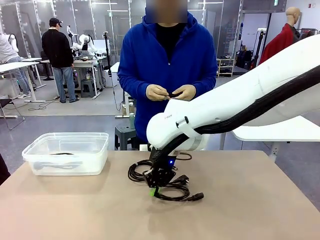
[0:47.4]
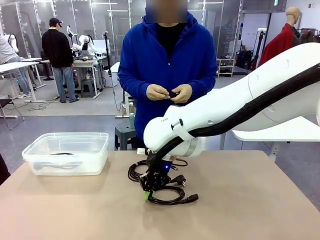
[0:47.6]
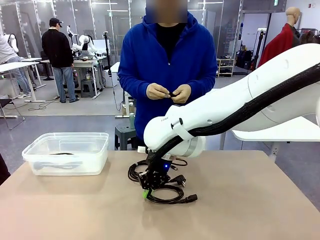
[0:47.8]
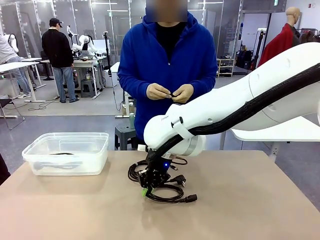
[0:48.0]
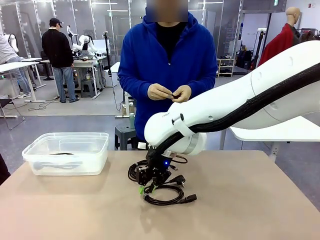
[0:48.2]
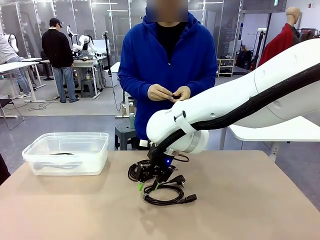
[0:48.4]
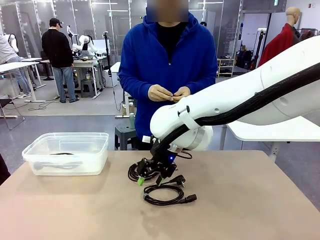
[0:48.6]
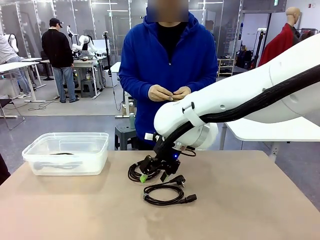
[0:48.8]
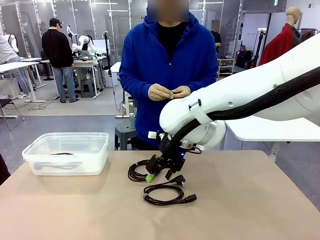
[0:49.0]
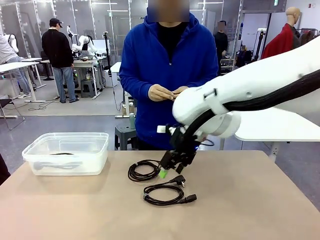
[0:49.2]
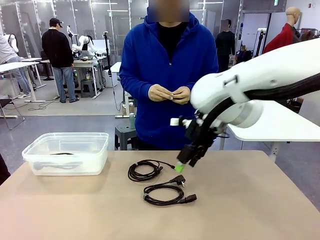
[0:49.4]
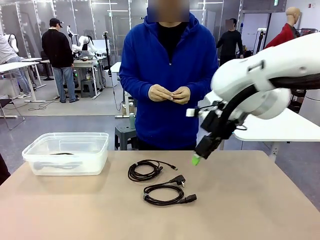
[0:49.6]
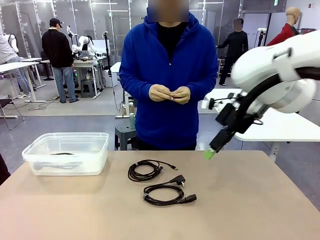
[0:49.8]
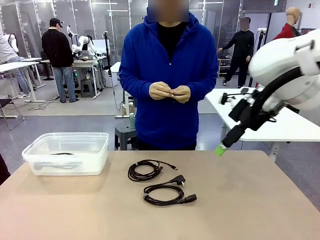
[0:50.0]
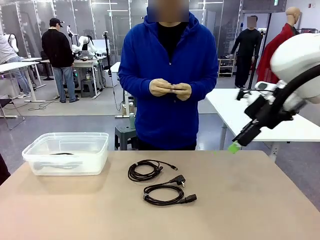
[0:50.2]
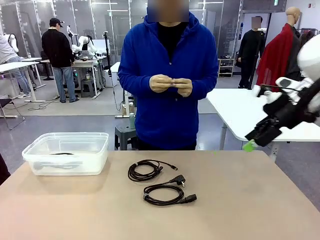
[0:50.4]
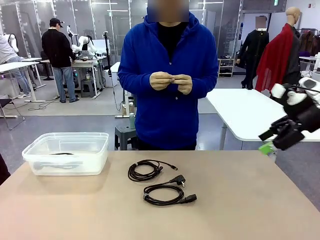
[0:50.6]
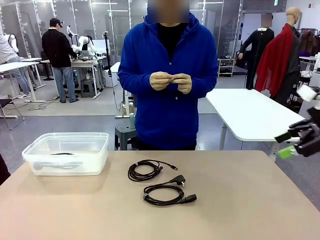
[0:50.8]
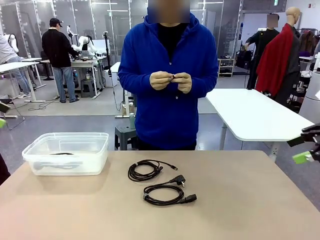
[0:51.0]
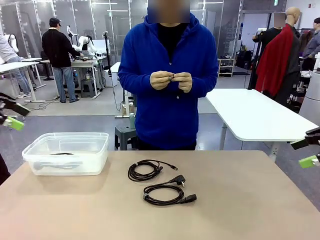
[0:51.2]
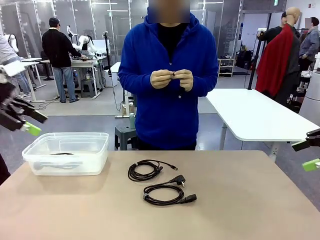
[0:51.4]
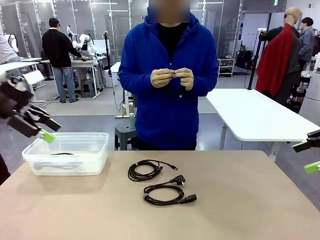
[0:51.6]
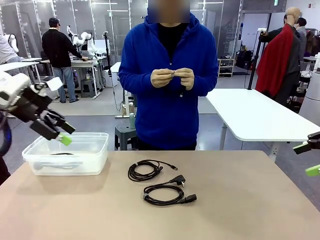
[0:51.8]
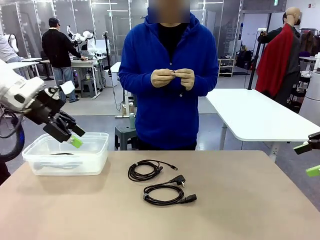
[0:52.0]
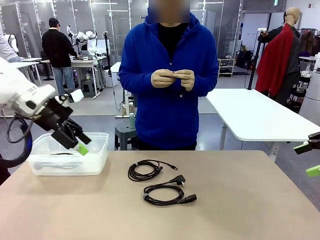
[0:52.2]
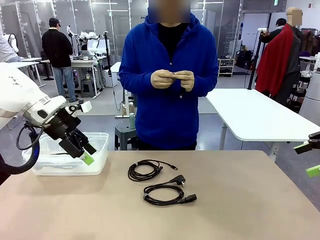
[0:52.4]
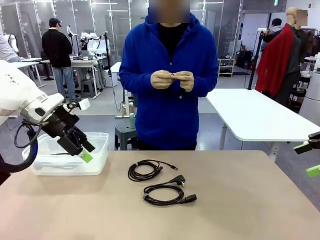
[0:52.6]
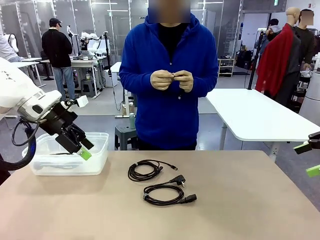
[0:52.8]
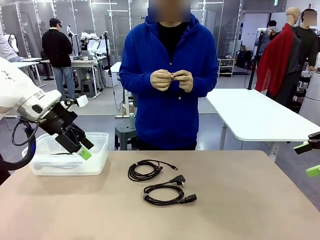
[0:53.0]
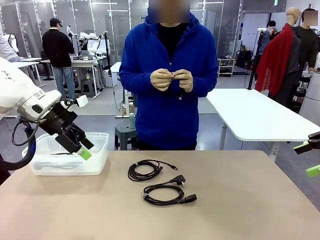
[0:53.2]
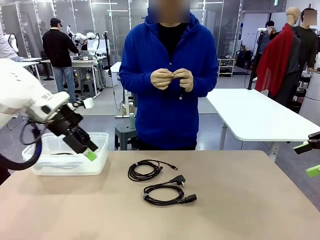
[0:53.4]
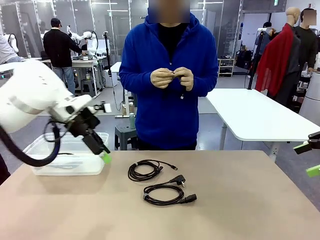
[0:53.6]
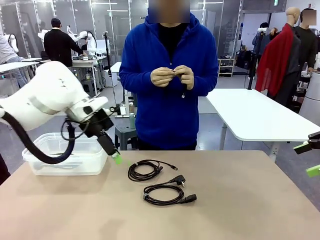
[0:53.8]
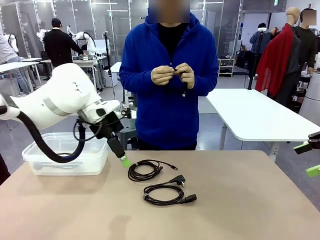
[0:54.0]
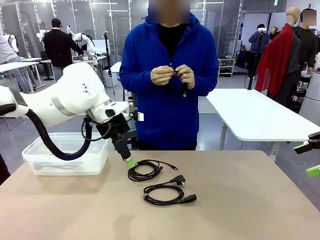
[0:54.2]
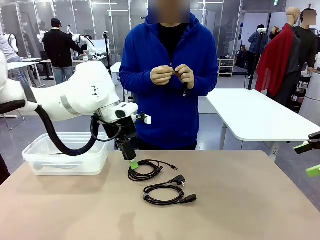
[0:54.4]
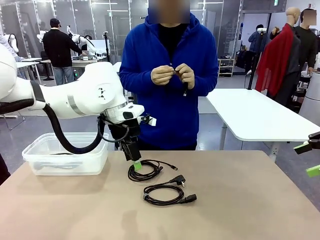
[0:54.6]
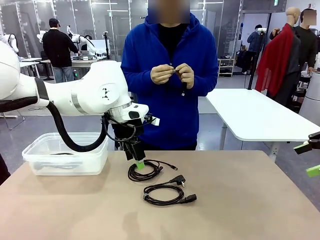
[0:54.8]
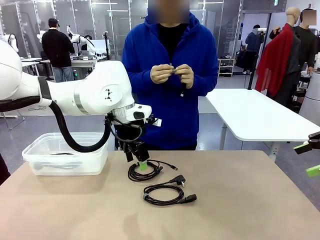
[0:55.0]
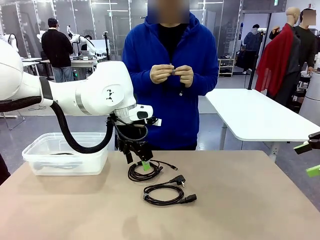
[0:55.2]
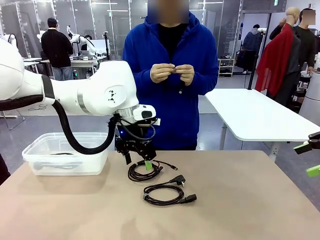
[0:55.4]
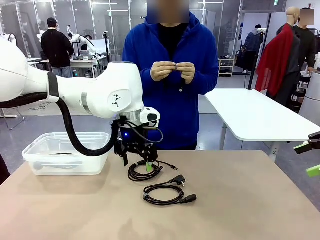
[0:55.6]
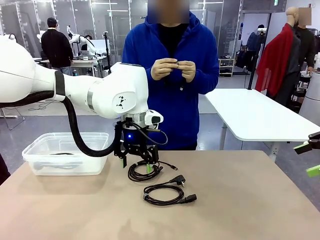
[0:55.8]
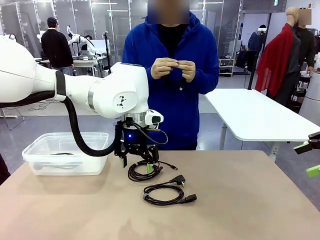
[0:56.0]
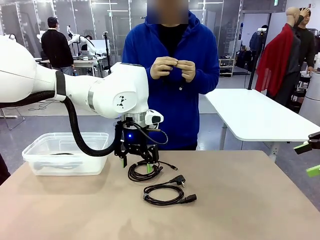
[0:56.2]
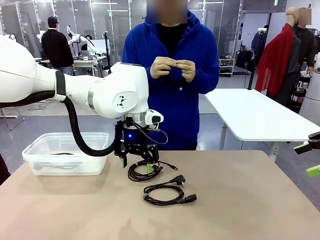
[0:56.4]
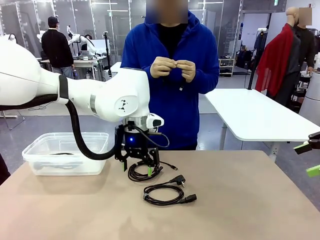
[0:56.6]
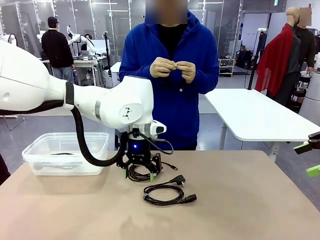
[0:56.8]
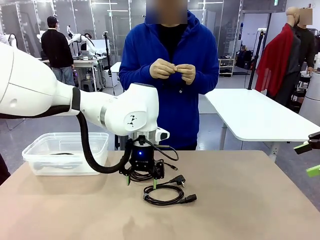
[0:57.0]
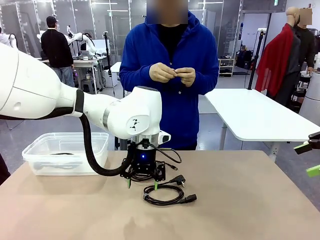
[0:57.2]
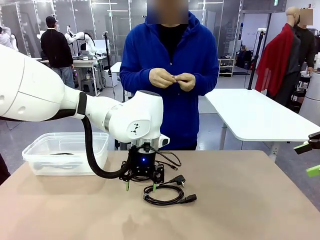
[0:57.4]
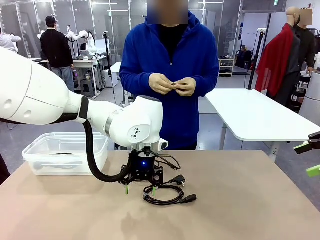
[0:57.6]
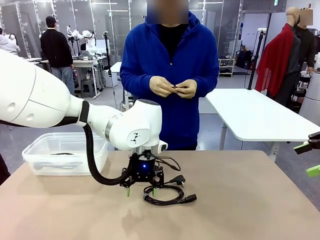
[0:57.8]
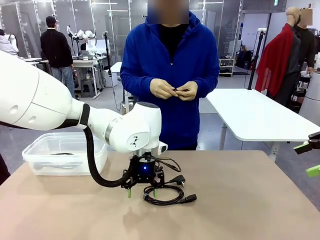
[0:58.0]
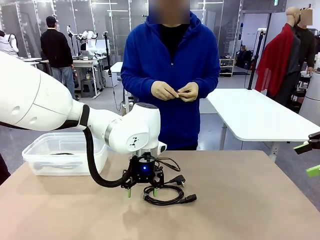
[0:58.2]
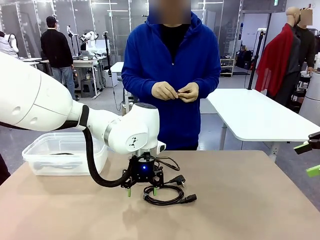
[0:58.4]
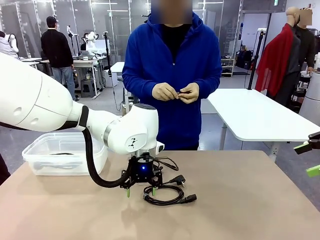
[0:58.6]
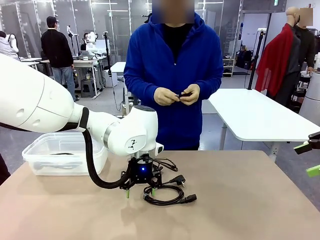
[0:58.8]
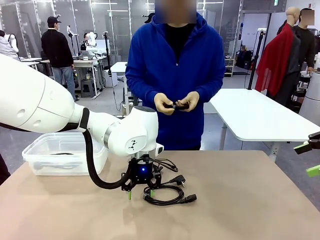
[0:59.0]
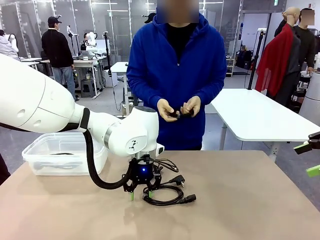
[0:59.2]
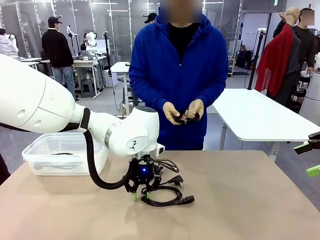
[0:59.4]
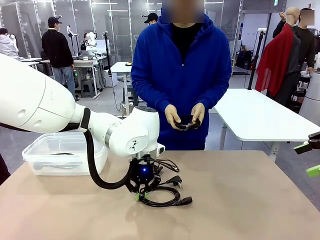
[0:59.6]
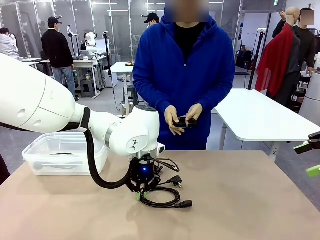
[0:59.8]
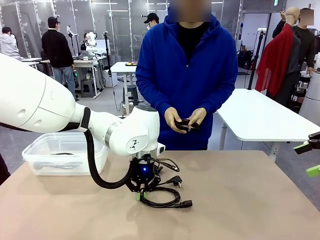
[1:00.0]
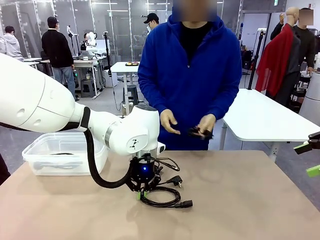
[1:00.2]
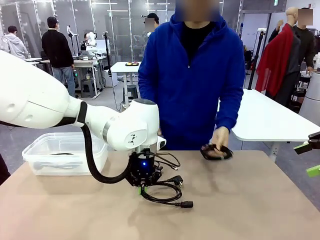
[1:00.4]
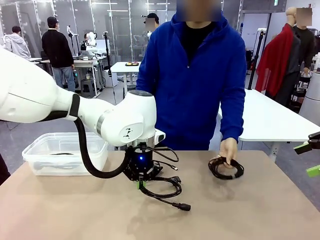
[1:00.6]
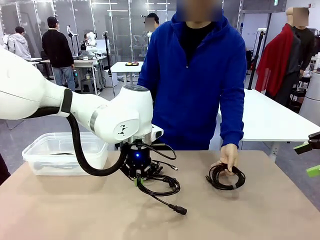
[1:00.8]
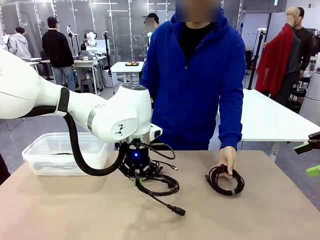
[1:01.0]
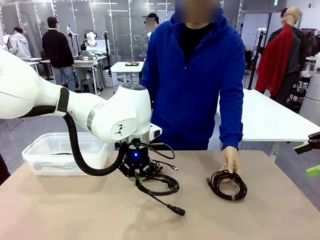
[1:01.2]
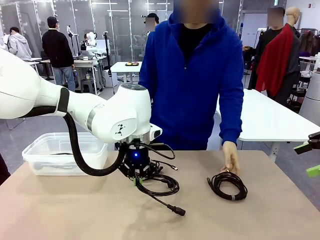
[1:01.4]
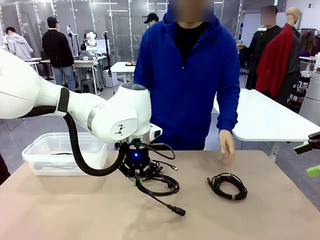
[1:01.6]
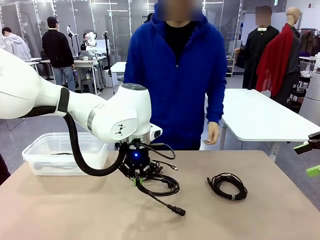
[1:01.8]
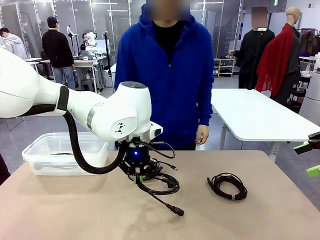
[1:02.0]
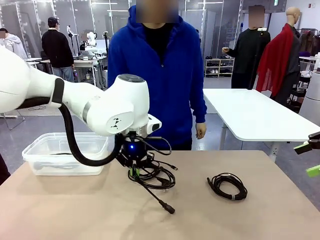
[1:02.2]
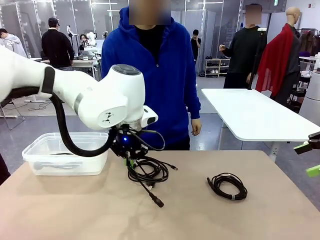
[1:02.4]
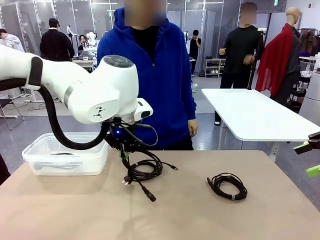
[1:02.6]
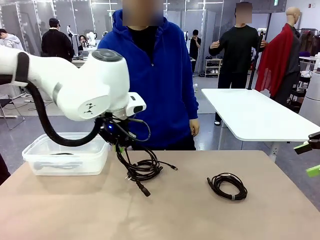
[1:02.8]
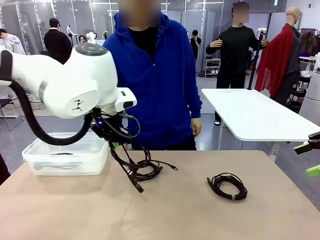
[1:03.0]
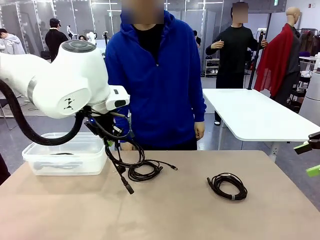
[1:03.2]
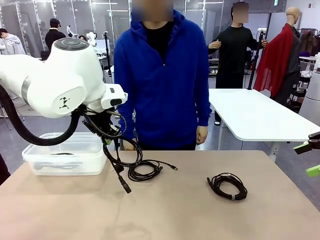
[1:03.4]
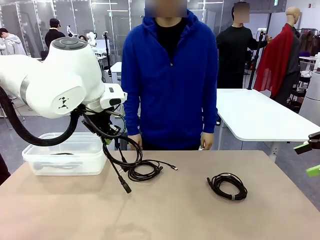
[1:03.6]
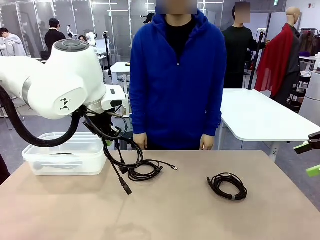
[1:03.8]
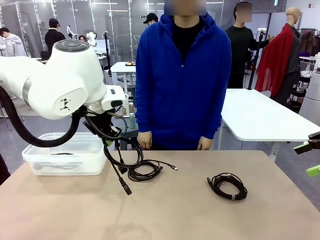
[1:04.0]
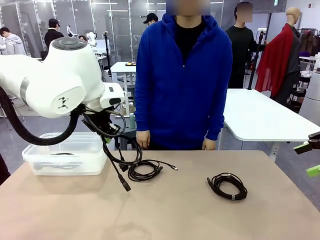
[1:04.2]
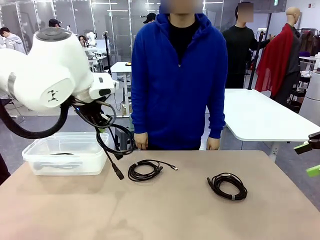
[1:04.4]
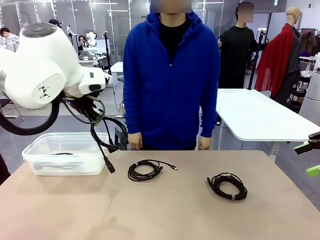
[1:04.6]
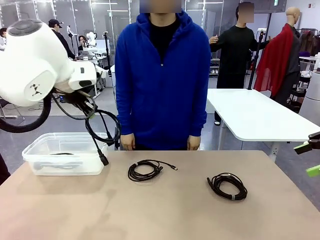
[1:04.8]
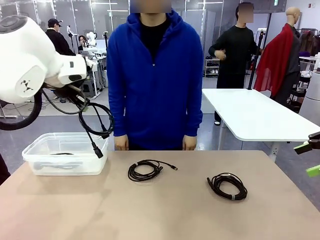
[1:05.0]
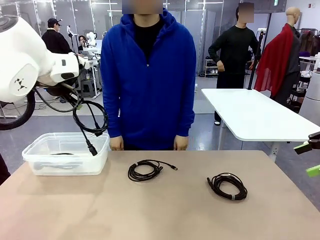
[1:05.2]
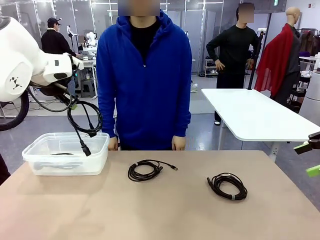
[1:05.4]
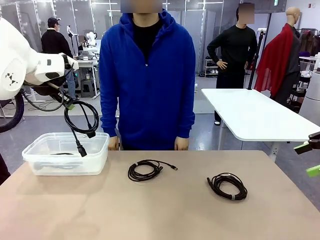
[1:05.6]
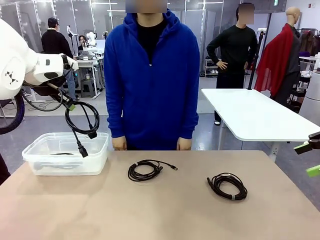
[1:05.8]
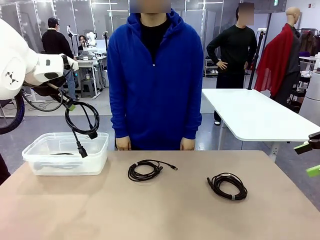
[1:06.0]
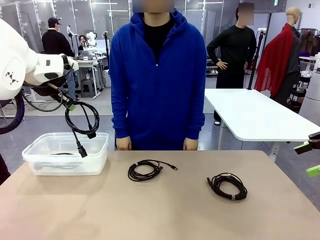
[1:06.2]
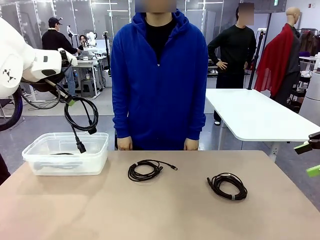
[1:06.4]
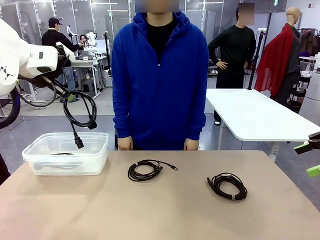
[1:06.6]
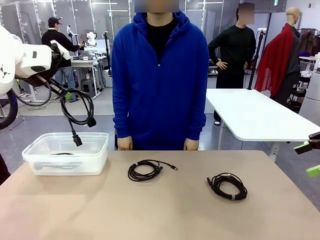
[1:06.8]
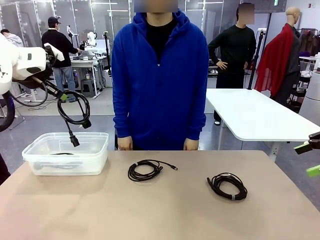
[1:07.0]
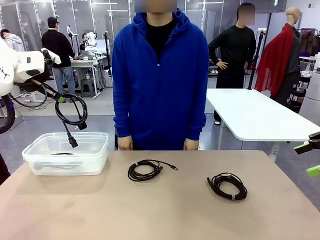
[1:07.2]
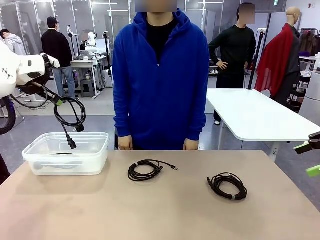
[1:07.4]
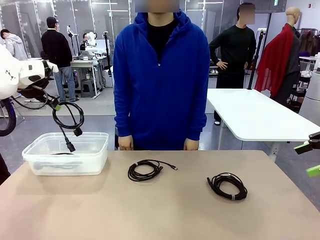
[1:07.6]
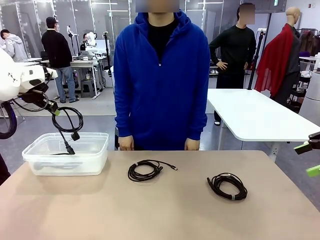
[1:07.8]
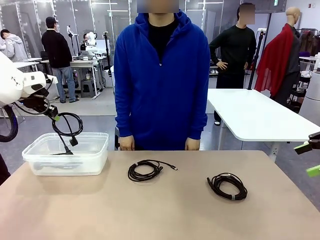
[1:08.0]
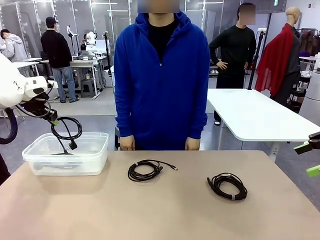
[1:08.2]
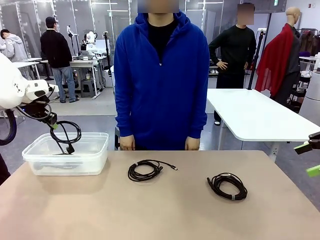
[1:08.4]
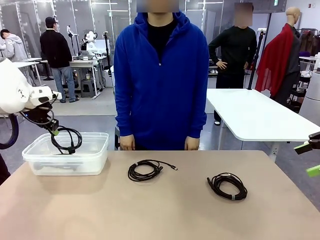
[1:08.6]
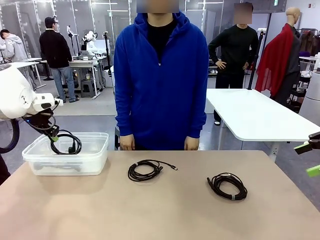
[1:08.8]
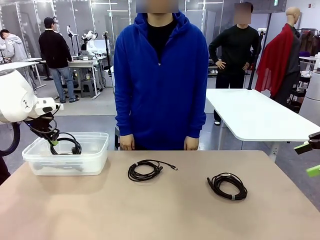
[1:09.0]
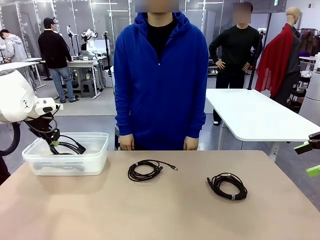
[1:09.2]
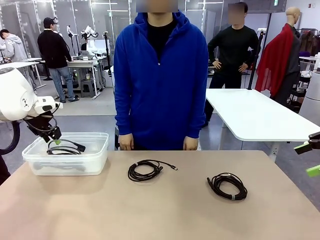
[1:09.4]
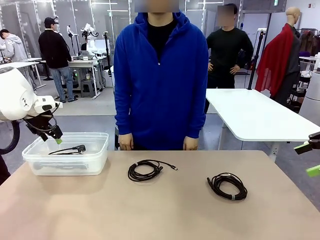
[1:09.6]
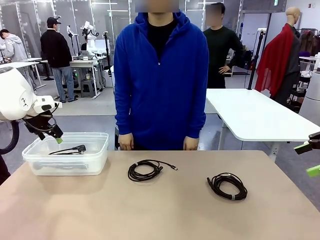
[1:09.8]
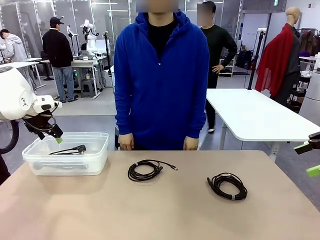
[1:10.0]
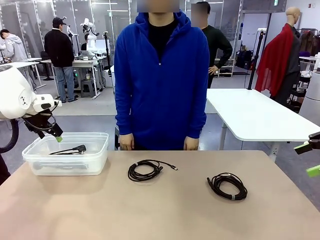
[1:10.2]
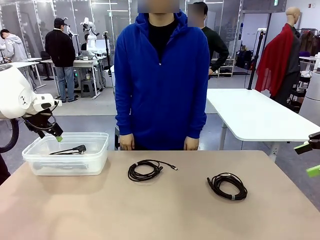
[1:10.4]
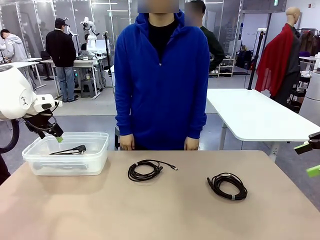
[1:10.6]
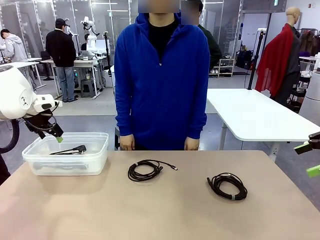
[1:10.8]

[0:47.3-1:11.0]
Task: Organize and store the cables.
Robot: Place the Power Cable into the Organizing box.
